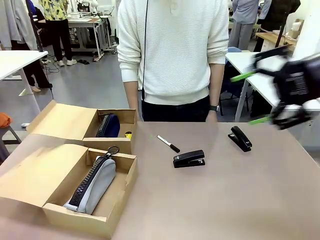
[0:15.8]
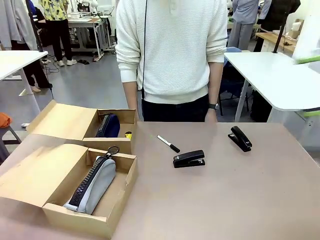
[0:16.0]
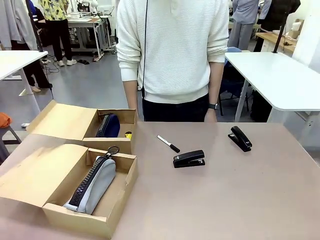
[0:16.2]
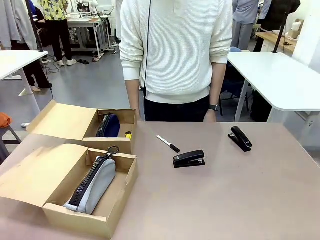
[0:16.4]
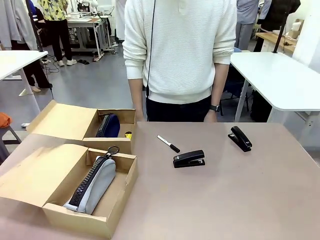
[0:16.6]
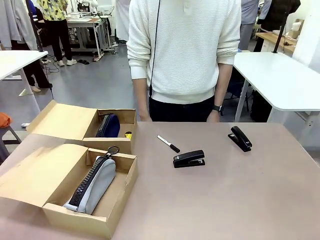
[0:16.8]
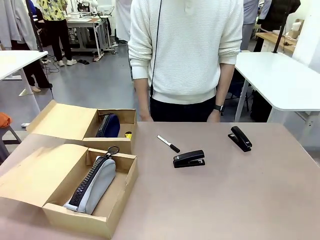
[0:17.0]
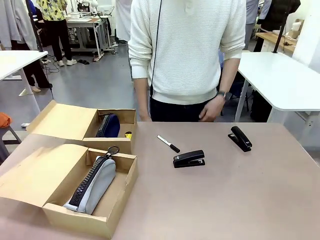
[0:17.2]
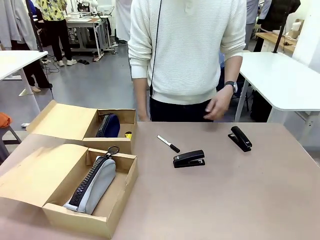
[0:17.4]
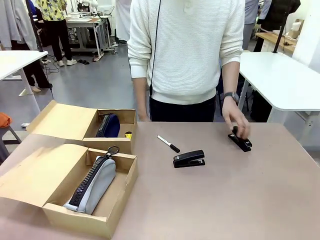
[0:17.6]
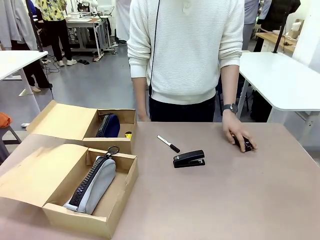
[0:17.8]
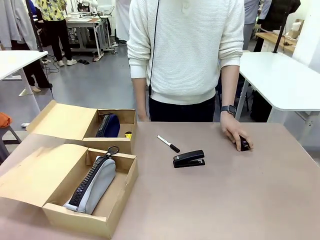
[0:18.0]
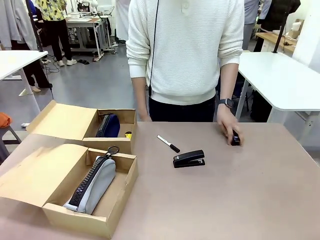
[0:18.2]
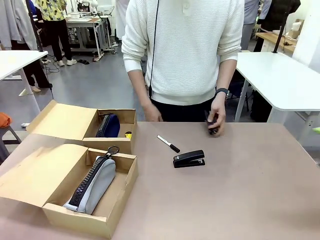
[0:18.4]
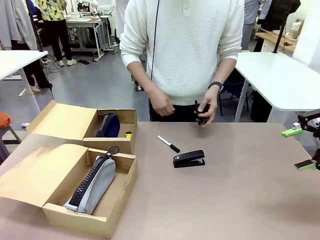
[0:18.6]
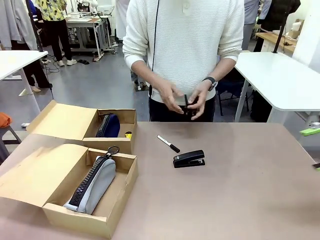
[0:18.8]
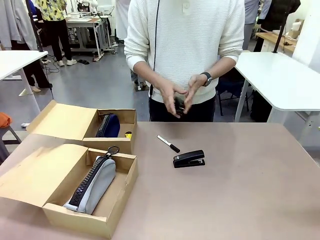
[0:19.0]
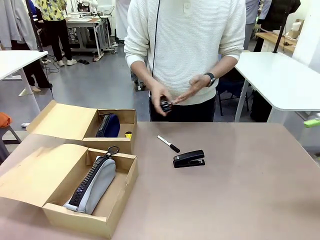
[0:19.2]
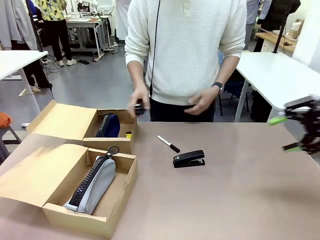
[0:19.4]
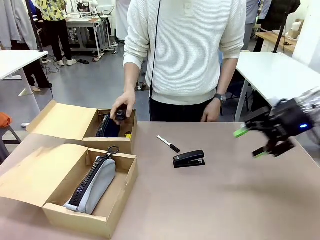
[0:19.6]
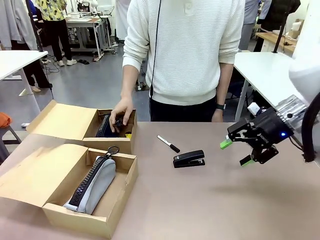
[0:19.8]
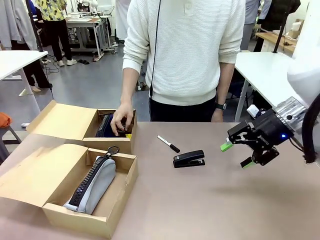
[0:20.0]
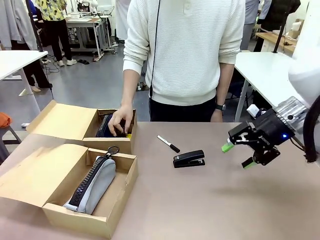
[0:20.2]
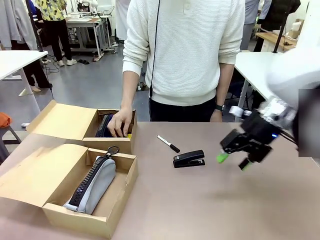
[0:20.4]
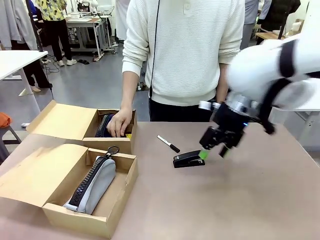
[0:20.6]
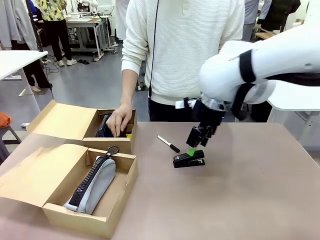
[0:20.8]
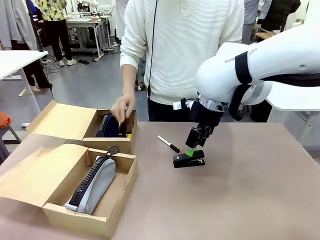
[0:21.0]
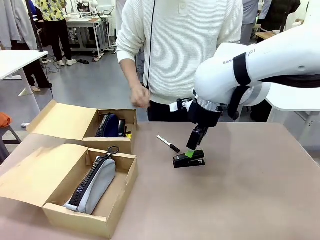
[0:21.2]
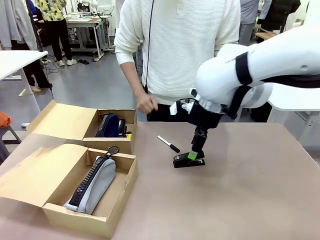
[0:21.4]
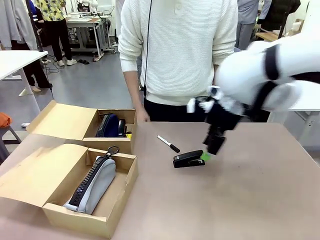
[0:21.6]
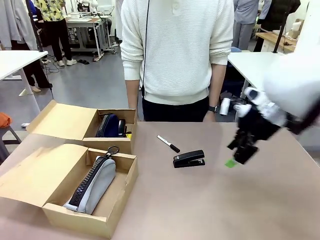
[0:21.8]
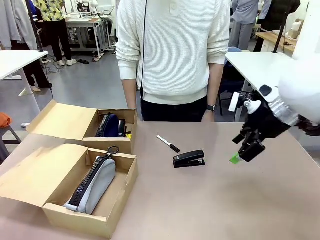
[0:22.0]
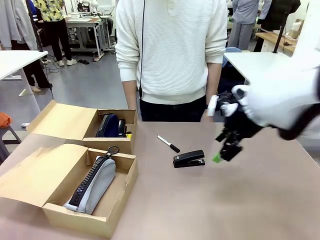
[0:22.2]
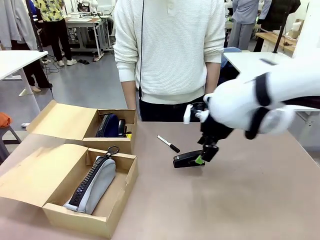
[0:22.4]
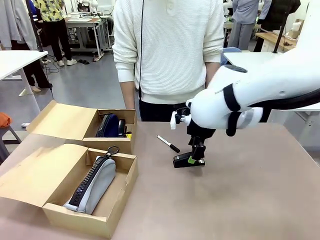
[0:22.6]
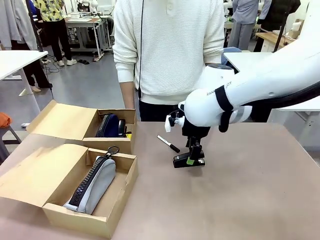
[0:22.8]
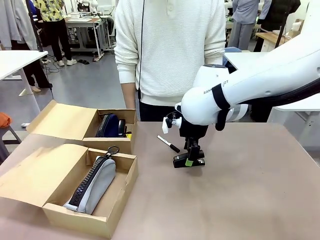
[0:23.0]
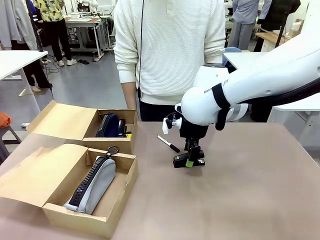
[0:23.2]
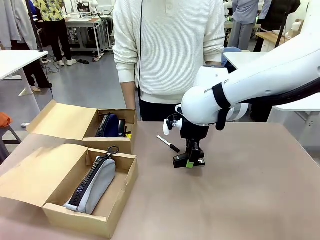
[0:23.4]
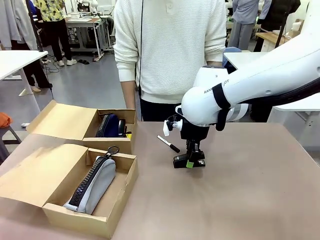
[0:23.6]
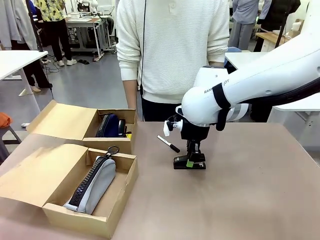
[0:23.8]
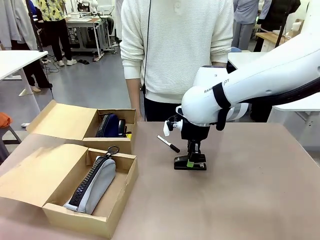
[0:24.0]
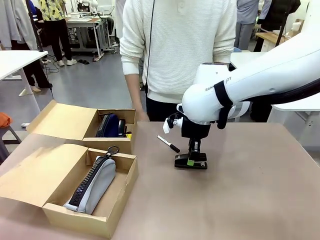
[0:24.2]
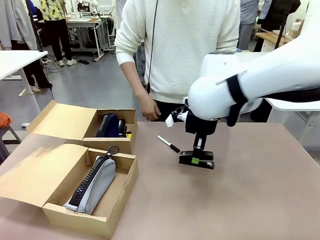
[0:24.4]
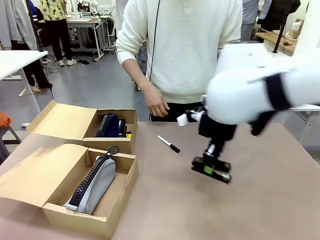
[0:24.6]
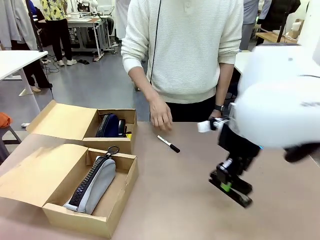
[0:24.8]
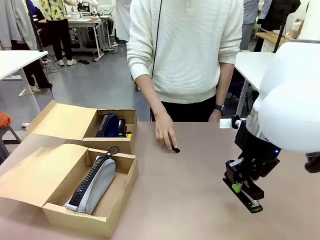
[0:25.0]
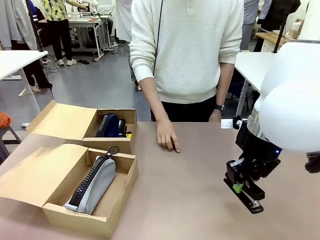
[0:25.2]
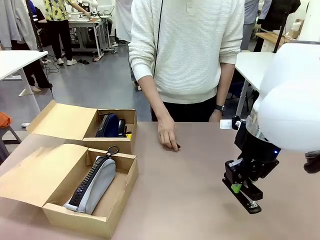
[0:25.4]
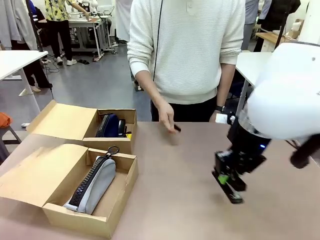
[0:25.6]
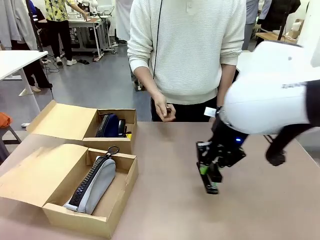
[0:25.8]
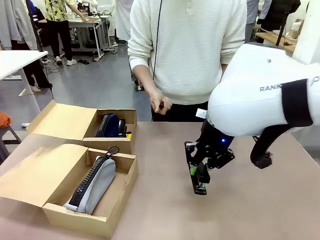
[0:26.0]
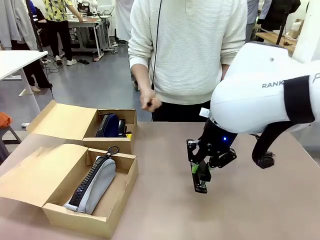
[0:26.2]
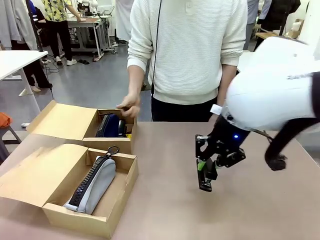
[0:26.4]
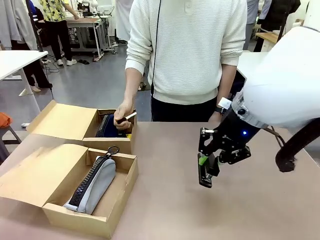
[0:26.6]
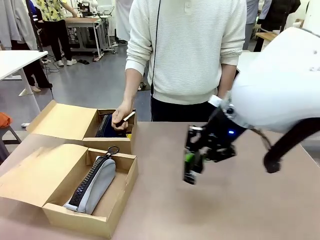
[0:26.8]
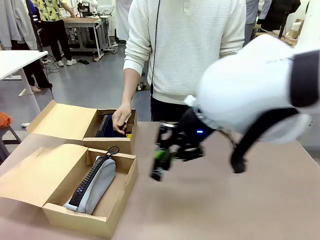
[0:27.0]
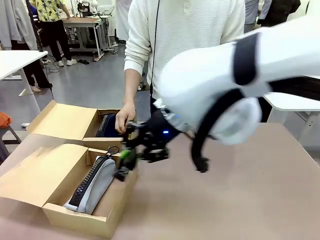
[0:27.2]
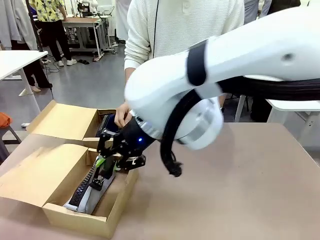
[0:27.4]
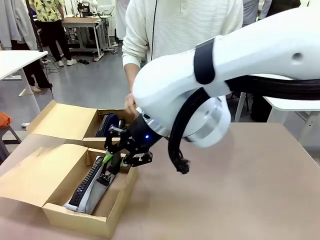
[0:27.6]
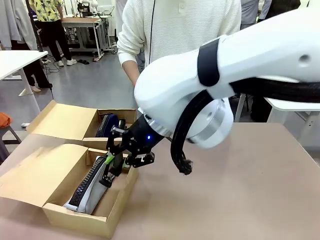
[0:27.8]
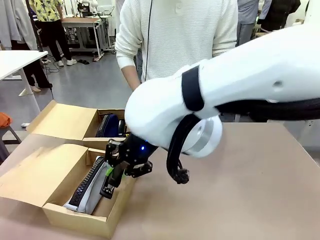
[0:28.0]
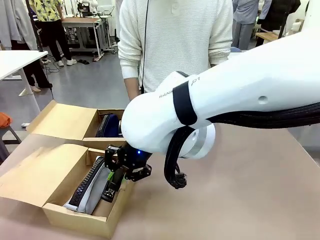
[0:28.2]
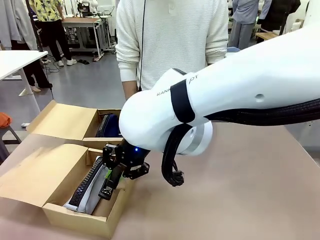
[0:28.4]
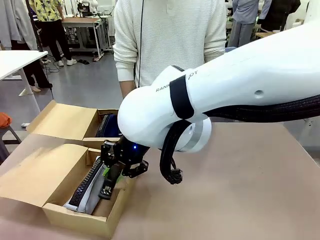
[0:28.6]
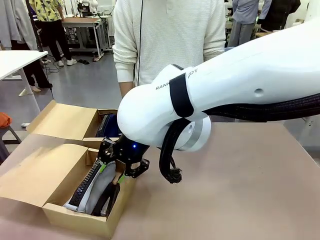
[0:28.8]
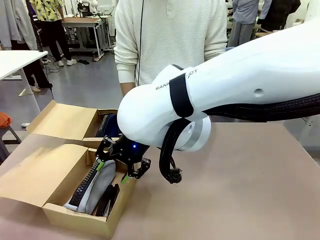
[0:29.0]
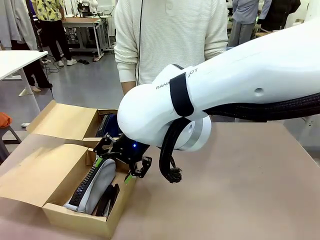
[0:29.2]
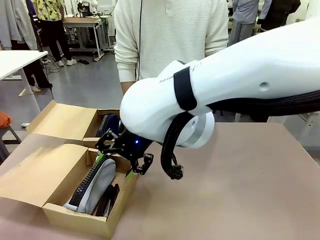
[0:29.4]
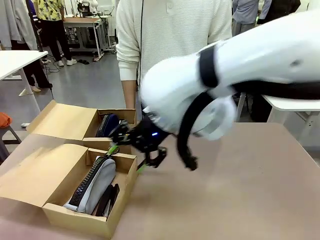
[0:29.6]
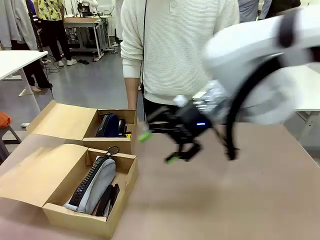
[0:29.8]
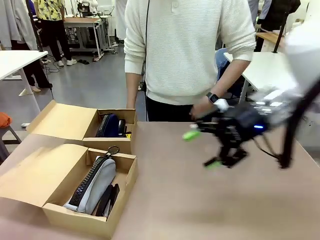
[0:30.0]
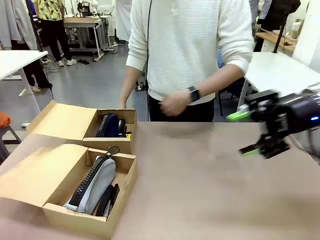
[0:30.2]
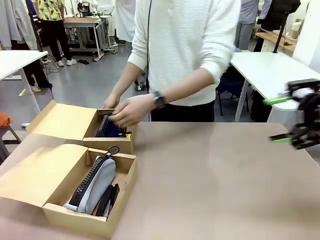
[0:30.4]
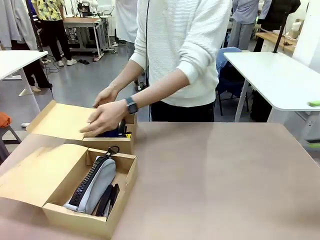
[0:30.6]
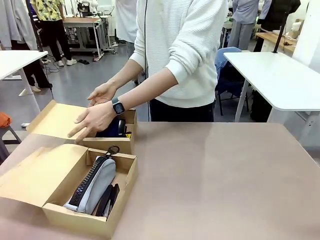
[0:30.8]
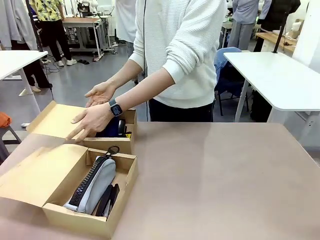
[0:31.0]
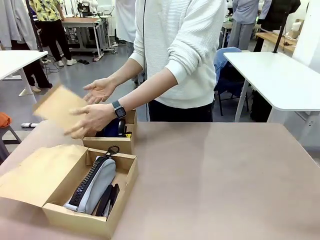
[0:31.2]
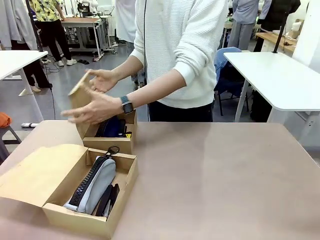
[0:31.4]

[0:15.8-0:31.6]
Task: Place items inside the box.
Robot: Pick up a Pencil pouch or Stapler and place it inside the Mailer Box closest to the robot.
